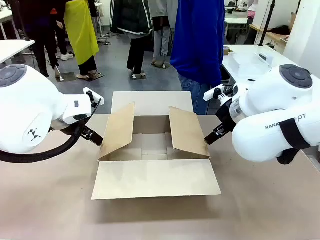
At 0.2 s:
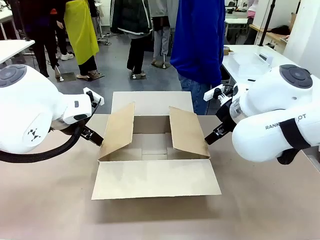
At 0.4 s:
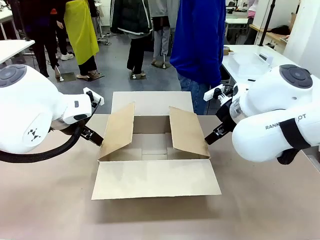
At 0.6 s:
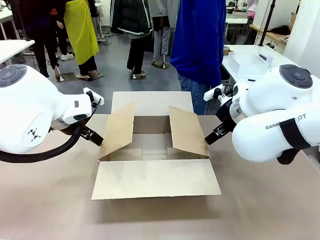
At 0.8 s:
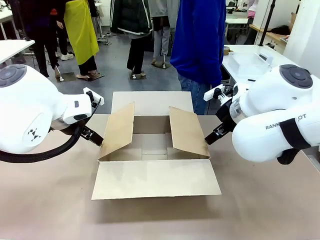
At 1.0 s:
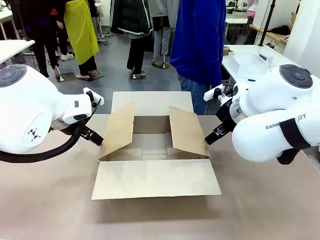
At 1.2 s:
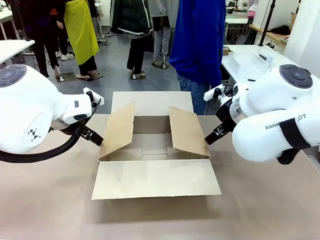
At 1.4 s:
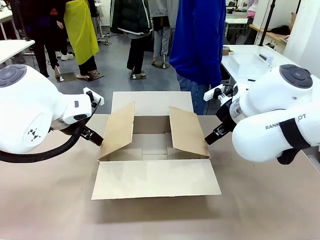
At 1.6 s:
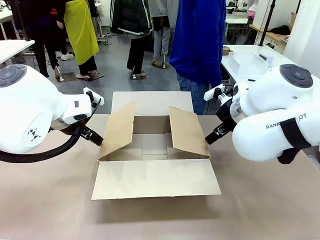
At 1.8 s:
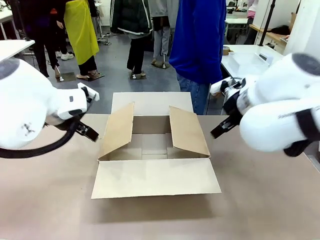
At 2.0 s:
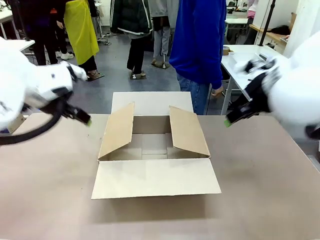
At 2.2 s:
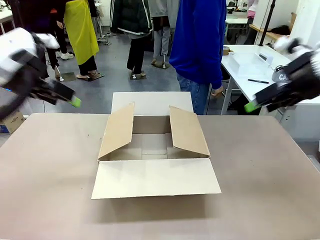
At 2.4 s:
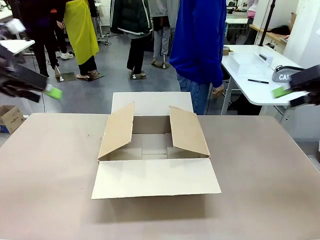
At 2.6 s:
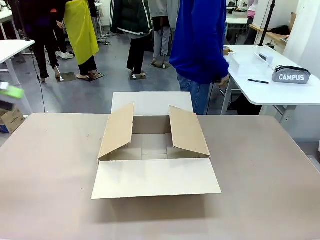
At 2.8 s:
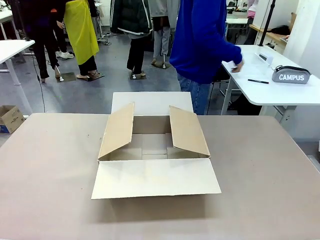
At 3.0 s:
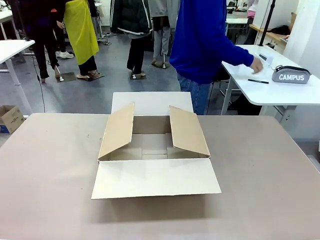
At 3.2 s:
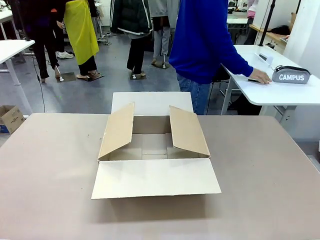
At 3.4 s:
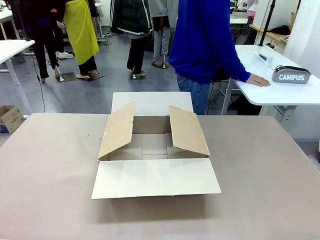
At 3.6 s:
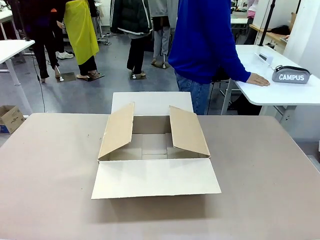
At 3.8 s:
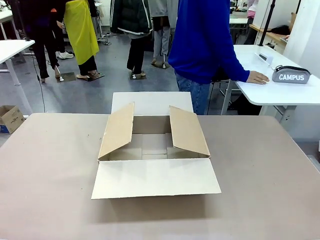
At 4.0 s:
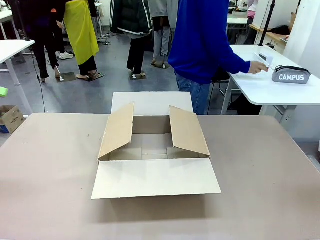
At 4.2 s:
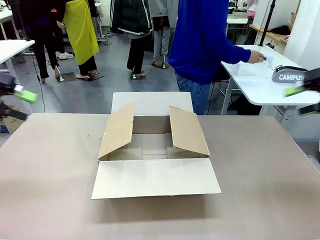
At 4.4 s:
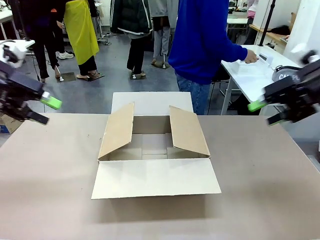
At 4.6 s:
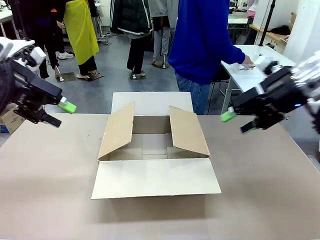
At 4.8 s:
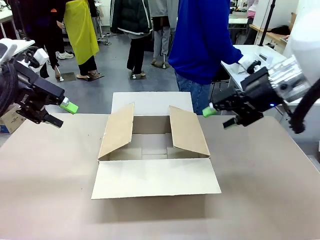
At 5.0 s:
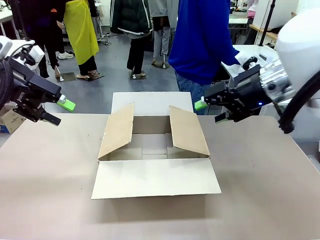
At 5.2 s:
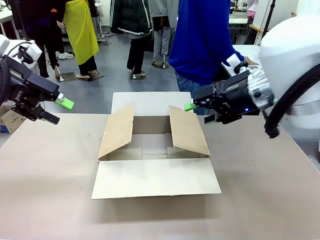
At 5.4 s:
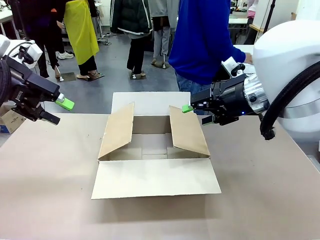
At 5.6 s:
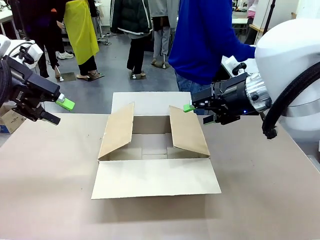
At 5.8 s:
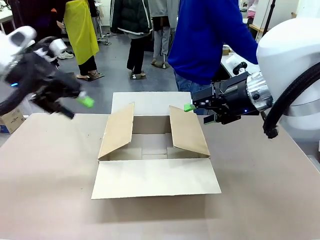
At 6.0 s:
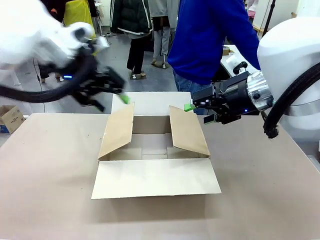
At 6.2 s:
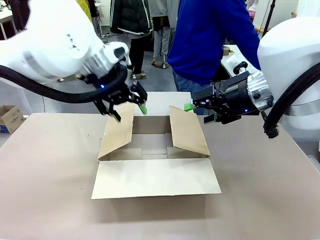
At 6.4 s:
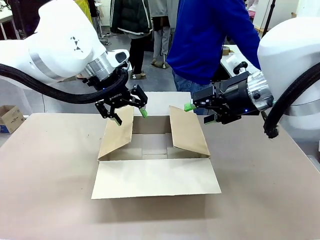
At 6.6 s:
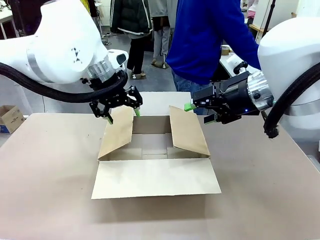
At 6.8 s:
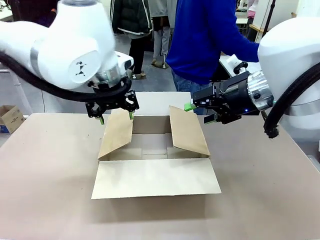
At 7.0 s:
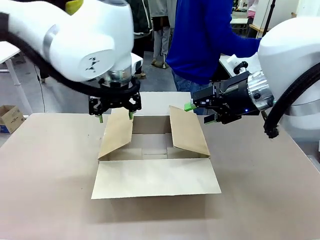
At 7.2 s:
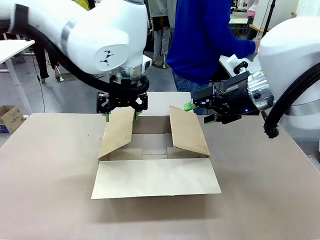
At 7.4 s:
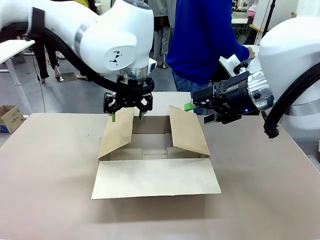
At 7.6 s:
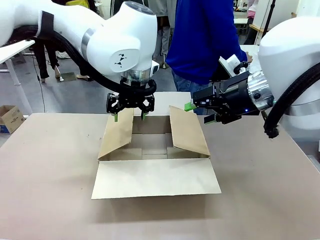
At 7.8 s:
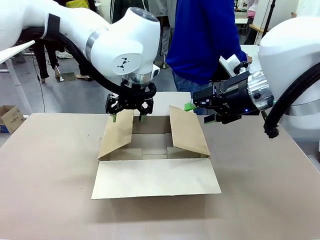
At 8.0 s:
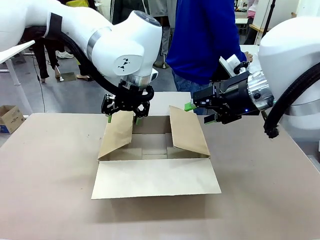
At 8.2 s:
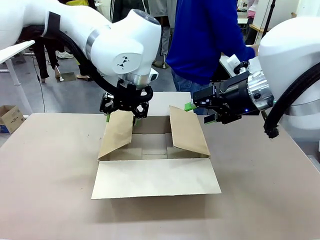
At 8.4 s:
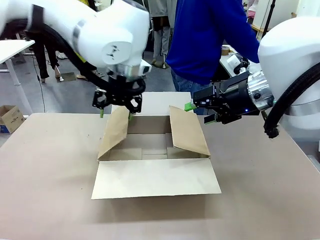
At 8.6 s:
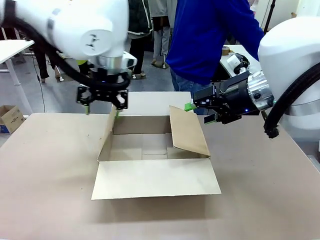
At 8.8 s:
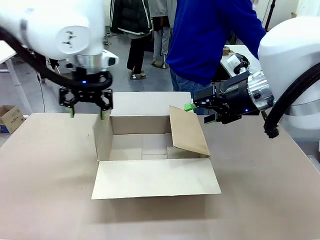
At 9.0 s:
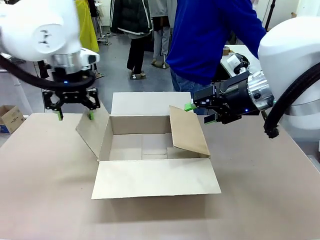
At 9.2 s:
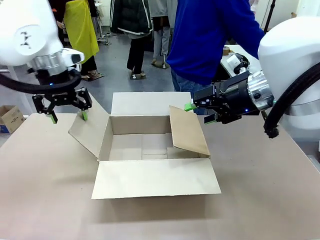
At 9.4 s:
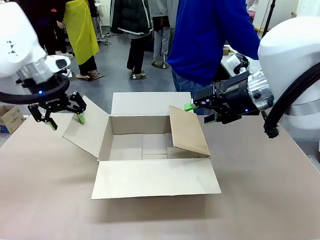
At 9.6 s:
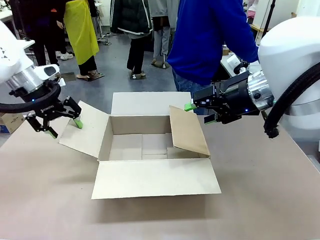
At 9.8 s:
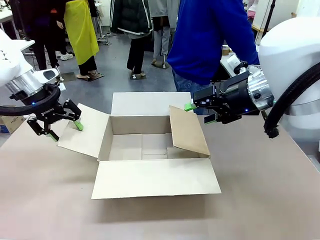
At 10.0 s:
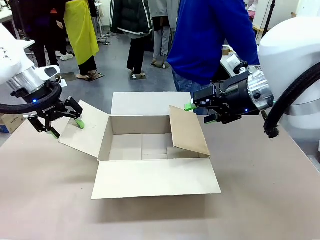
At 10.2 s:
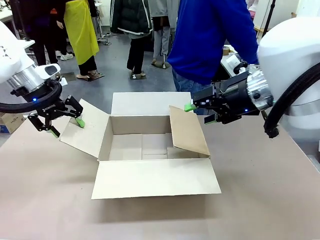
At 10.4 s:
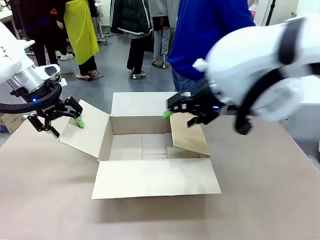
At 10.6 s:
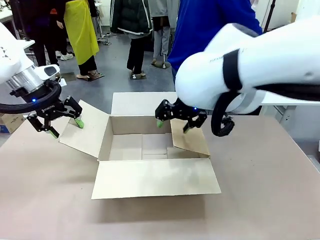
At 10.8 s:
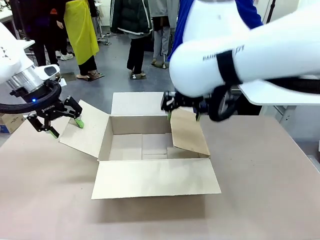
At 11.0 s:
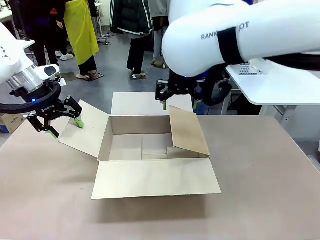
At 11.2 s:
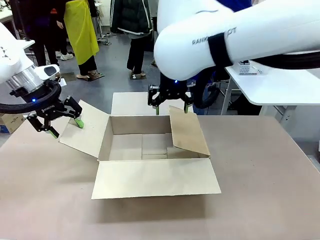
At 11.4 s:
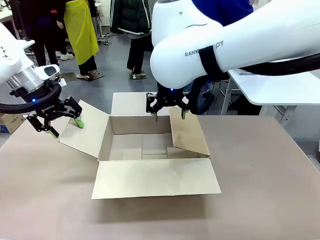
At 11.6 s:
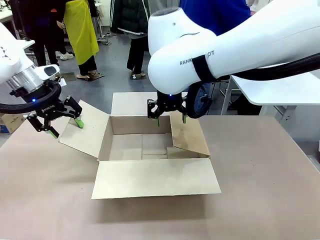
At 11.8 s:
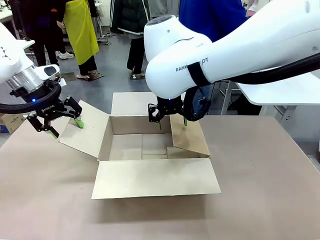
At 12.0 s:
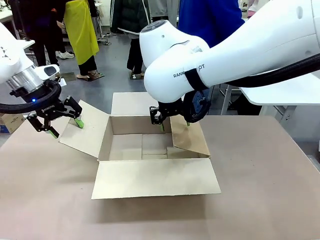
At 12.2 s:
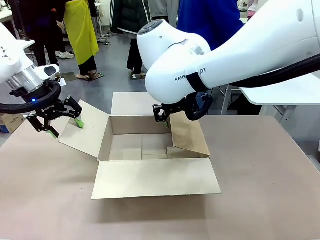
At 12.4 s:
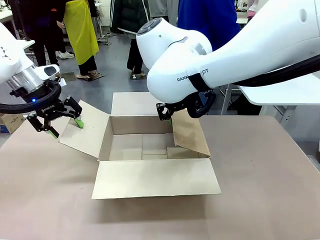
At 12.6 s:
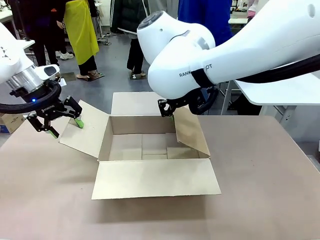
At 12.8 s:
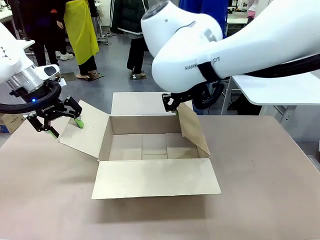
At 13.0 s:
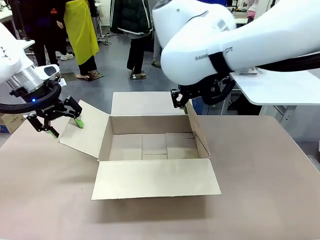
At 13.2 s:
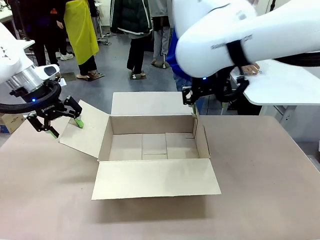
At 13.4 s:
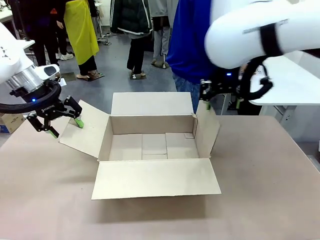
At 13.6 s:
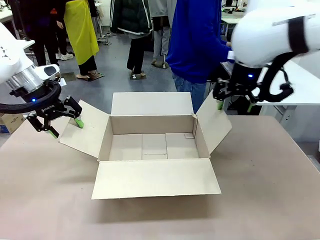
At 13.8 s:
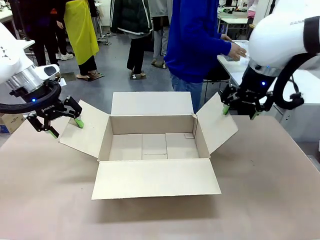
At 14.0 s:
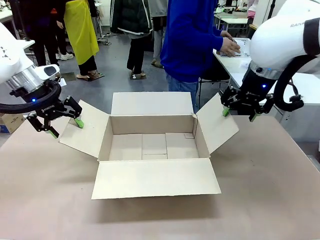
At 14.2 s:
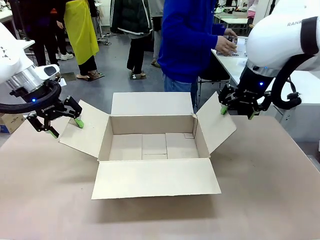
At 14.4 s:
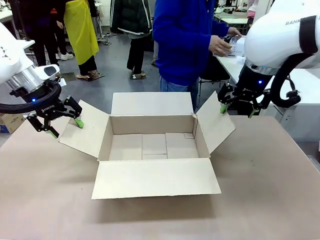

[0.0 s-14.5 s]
Task: Pack the gift set into the box.
Robot: Place both hands on the side flaps of the Package Box and spread them outward.
Person: The human places all items except the paper tape into the organizing basket.

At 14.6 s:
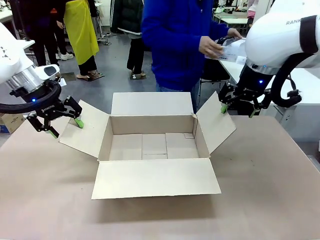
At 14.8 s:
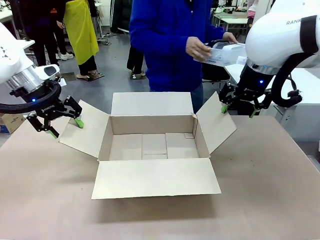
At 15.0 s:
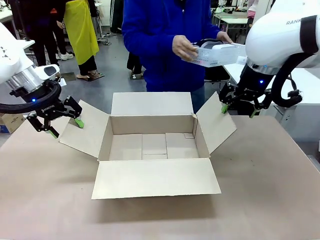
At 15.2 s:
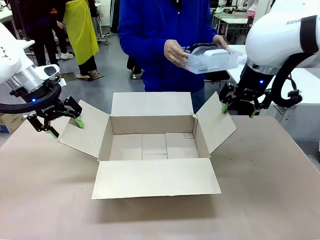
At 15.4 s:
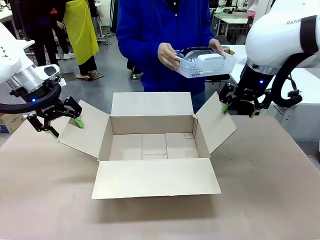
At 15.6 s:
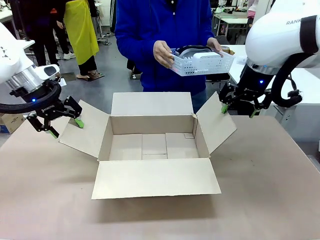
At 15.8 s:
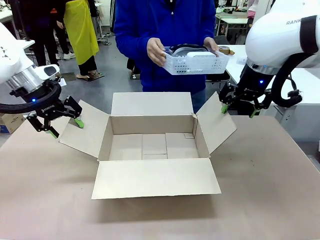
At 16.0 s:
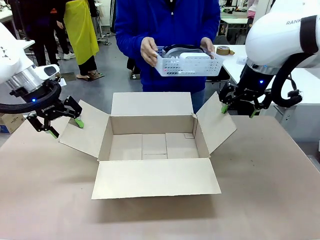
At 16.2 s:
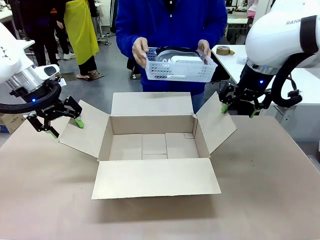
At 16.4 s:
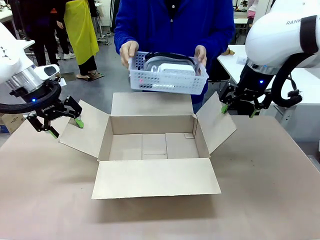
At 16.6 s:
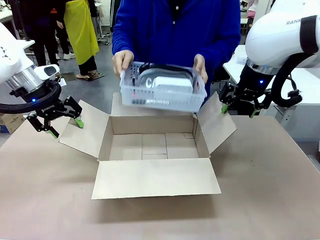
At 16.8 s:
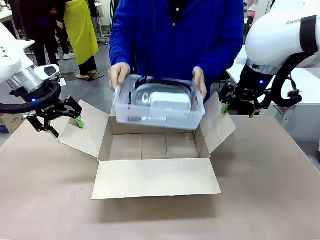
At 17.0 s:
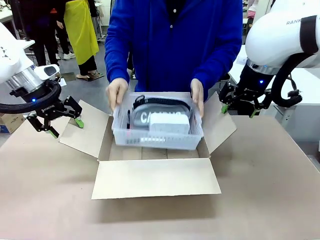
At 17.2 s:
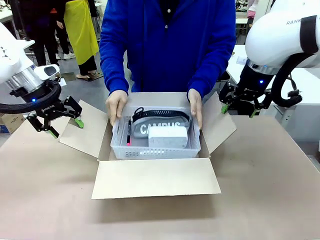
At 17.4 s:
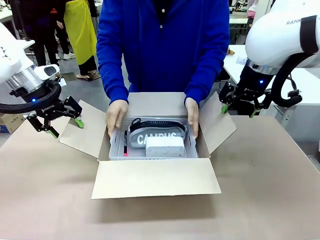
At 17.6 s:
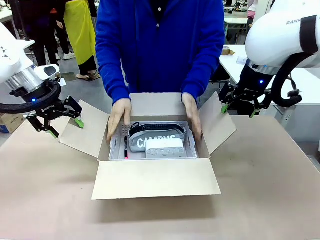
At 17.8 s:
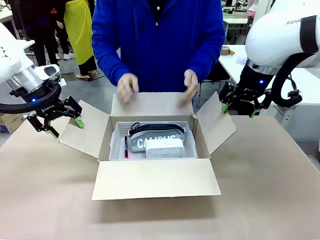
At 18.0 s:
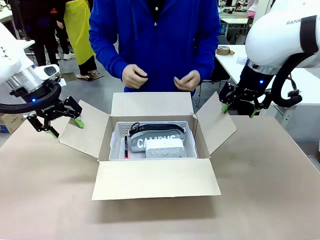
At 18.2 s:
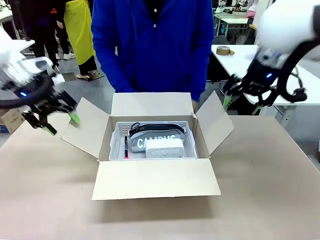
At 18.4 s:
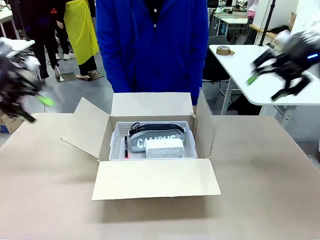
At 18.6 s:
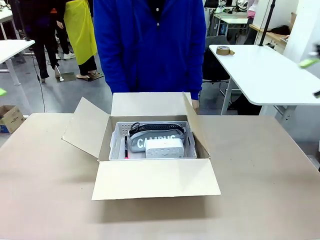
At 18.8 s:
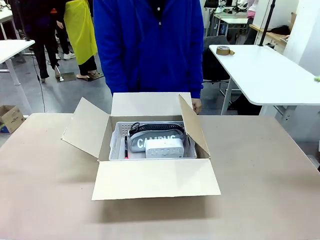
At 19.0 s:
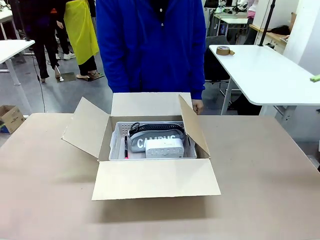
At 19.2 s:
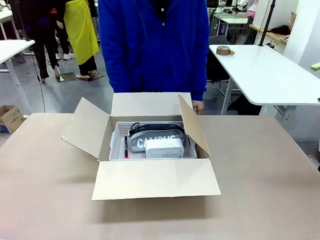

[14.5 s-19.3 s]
Robot: Lift both hands away from the flaps of the Package Box.
Person: The human picks up the organizing basket and places the organizing basket into the package box on the robot table.
